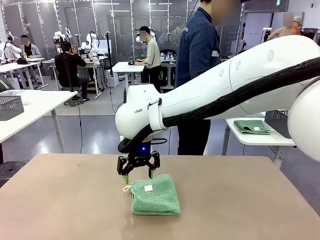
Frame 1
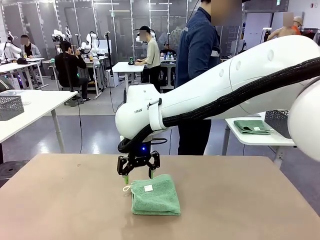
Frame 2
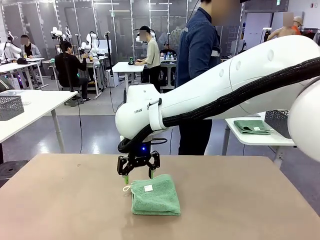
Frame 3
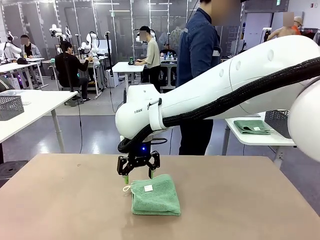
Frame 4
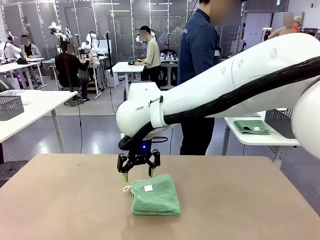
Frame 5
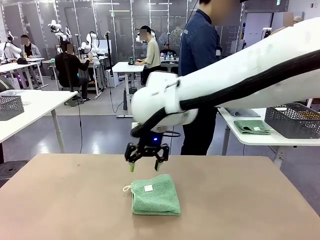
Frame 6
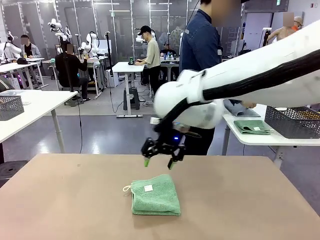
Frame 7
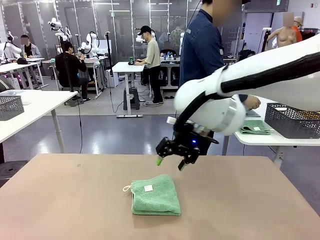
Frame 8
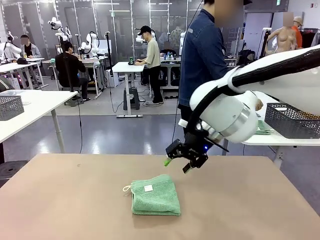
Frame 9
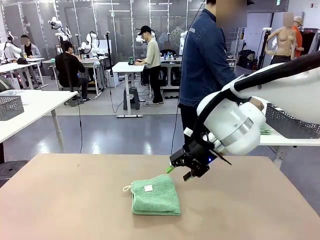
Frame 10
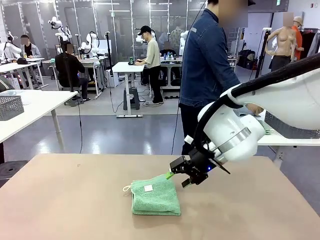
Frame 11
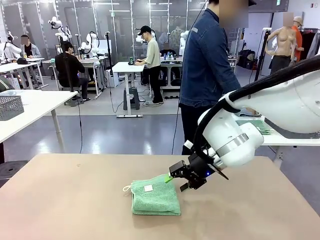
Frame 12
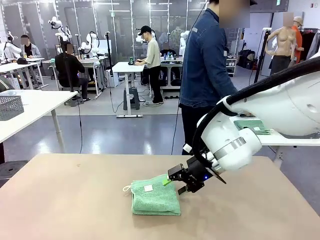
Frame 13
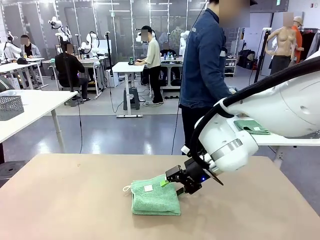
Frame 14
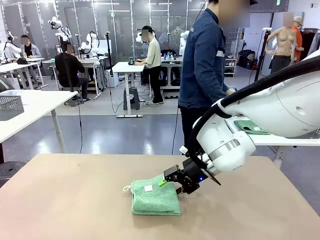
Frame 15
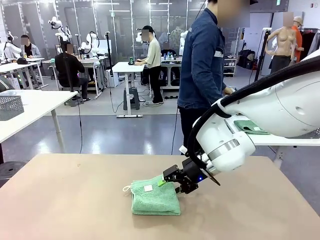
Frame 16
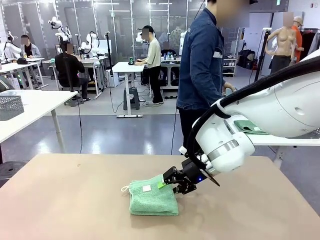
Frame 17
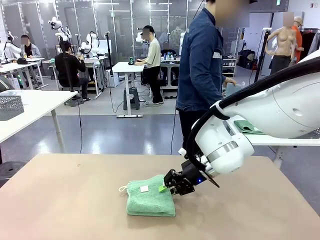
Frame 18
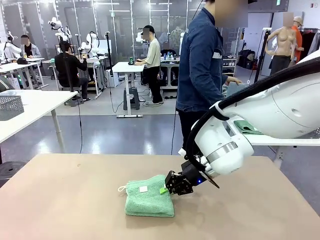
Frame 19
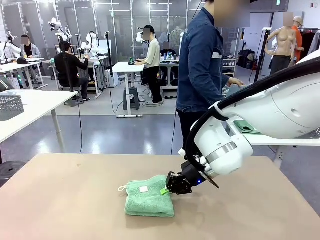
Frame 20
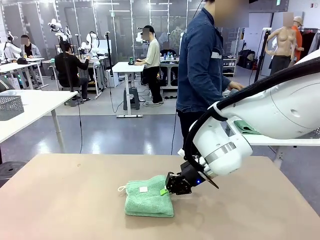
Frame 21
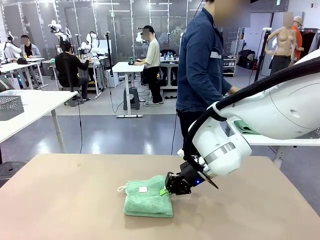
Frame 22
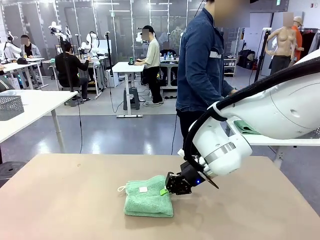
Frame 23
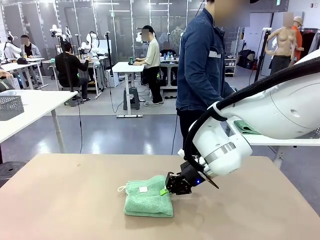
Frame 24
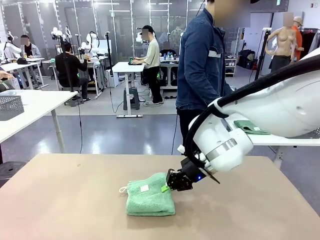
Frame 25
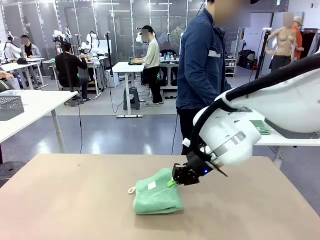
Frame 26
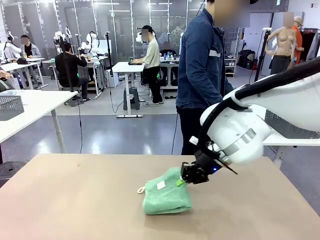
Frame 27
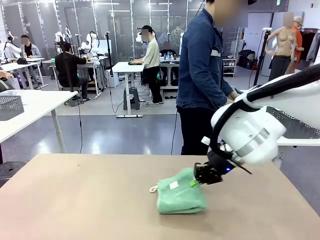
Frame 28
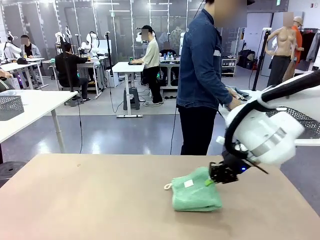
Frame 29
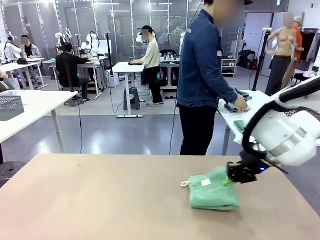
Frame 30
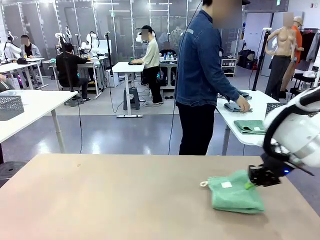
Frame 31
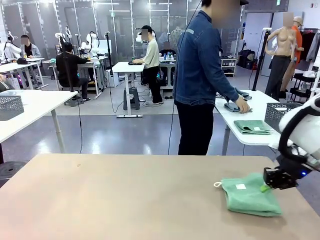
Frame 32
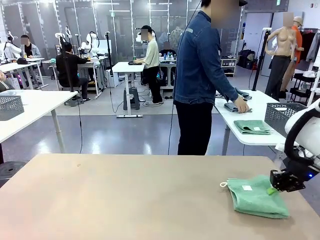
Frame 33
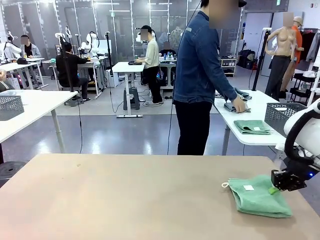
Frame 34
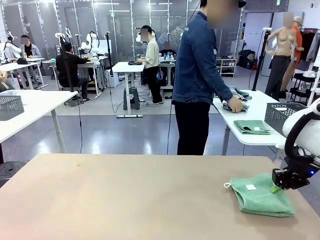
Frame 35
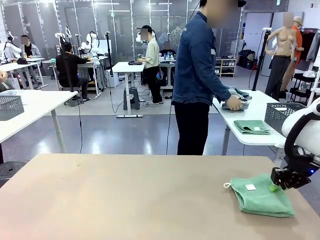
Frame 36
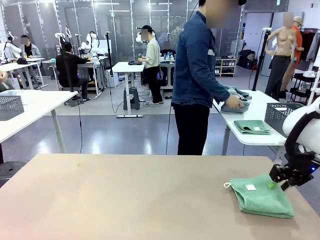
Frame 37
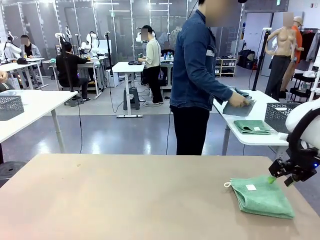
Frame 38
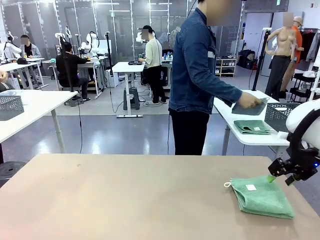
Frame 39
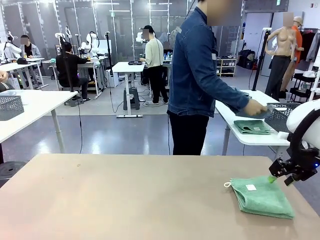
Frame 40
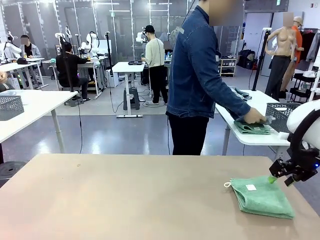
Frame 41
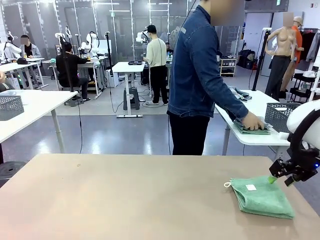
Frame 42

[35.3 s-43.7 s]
Task: Fold the towels and place them in the basket.
Robot: Place the folded Towel with hook on the right side of the table.
Person: Pick up one towel from the left side of the human table, fold it in half twice, and stack it on the right side of the table.

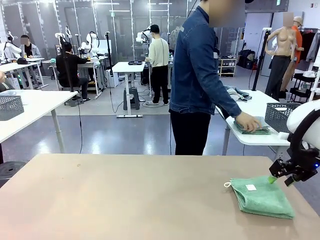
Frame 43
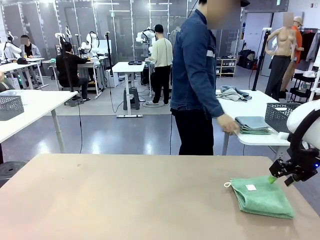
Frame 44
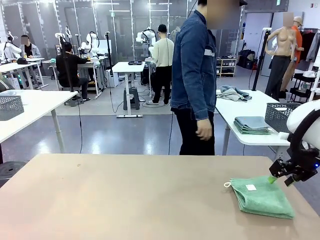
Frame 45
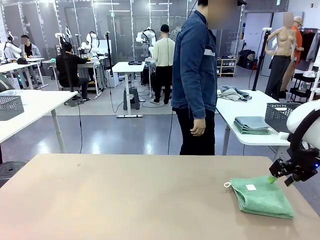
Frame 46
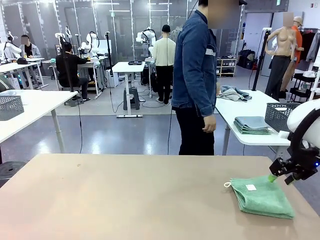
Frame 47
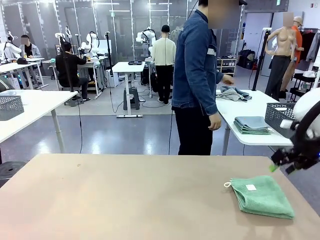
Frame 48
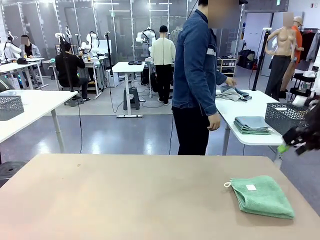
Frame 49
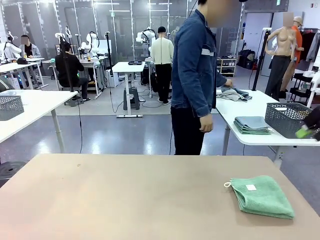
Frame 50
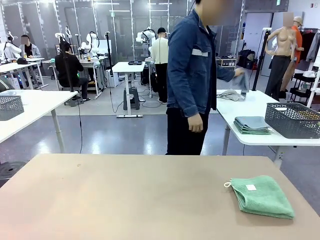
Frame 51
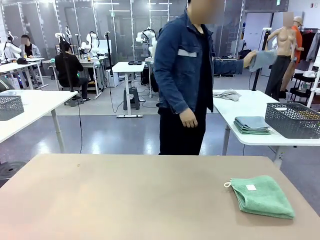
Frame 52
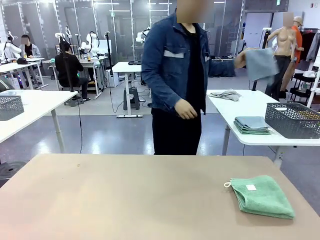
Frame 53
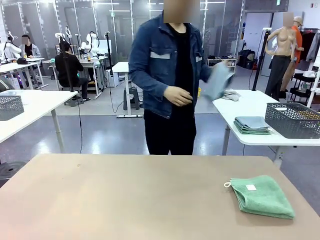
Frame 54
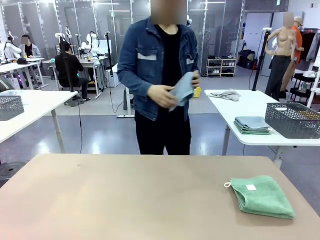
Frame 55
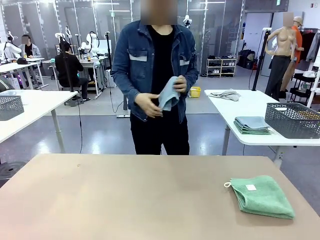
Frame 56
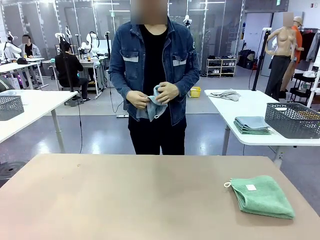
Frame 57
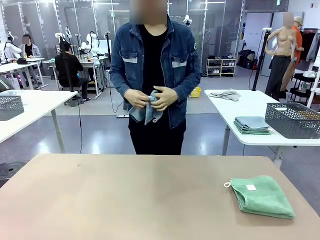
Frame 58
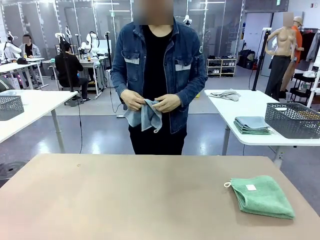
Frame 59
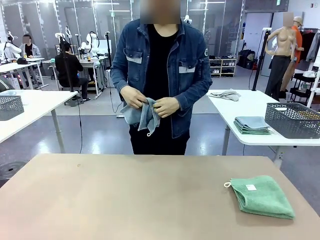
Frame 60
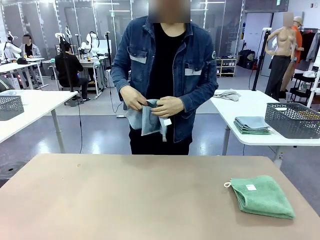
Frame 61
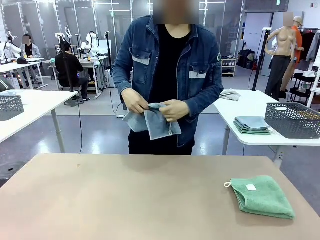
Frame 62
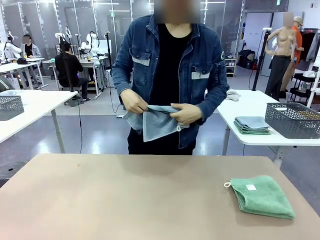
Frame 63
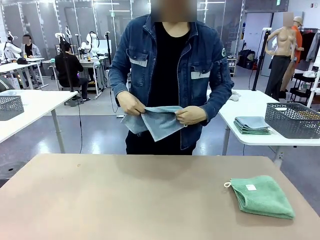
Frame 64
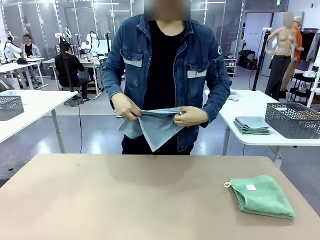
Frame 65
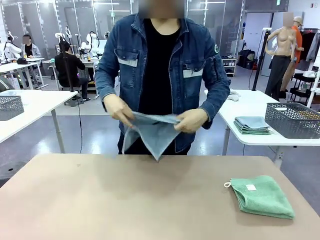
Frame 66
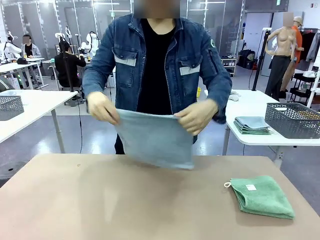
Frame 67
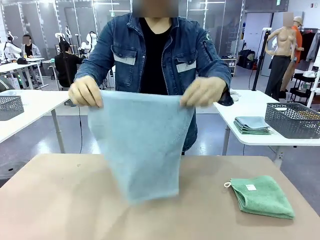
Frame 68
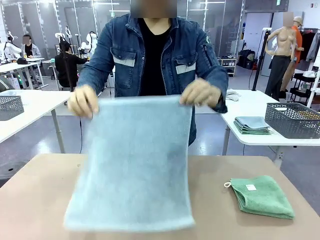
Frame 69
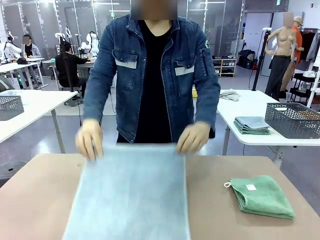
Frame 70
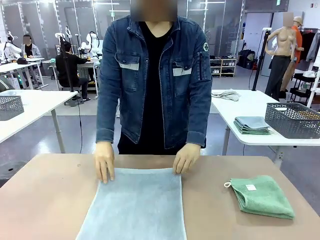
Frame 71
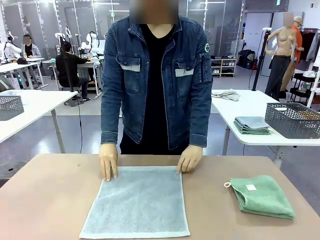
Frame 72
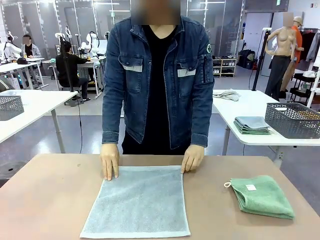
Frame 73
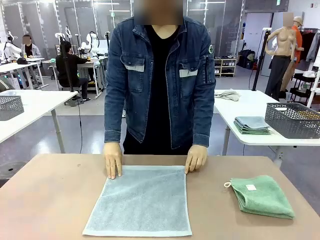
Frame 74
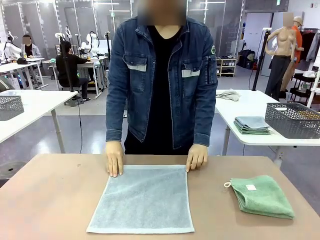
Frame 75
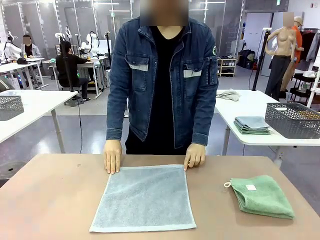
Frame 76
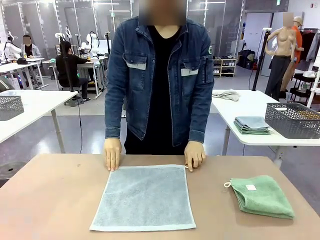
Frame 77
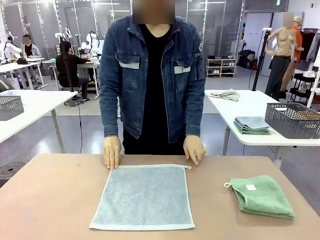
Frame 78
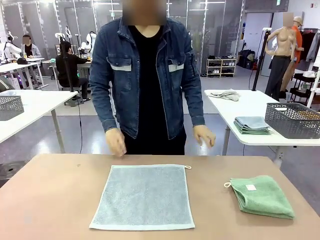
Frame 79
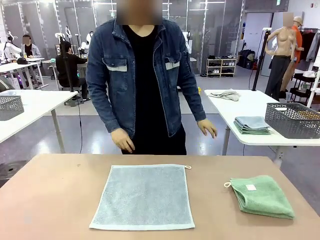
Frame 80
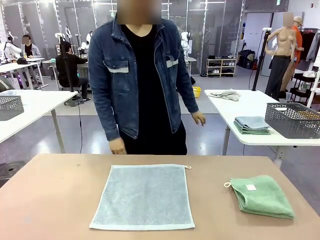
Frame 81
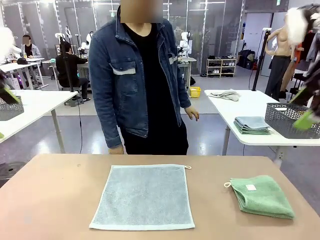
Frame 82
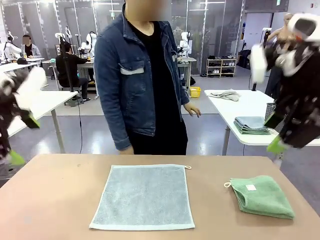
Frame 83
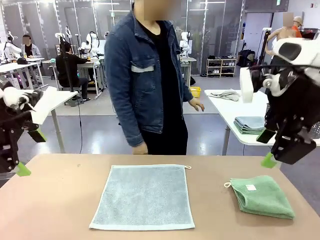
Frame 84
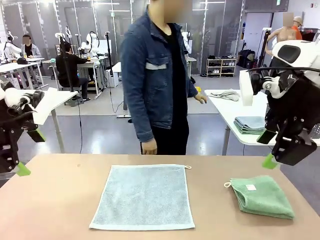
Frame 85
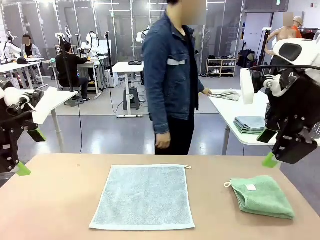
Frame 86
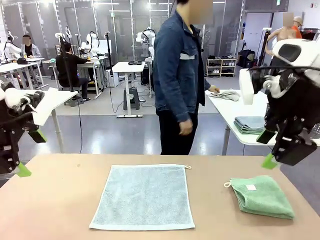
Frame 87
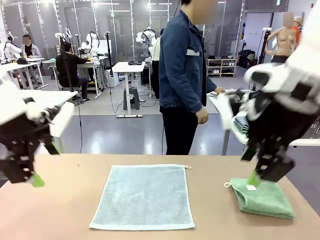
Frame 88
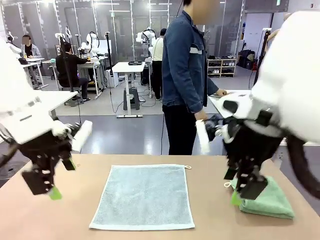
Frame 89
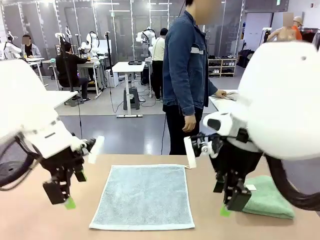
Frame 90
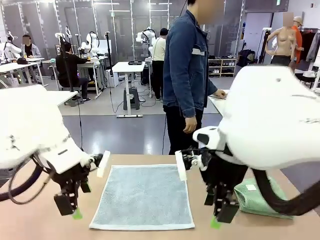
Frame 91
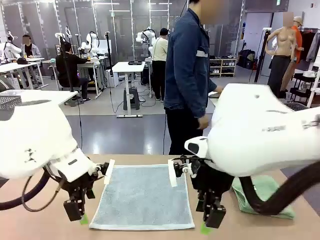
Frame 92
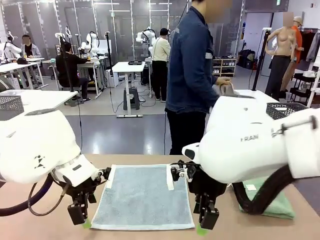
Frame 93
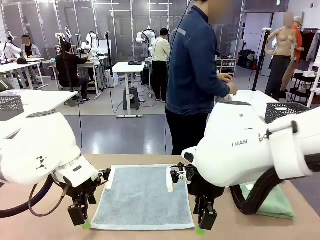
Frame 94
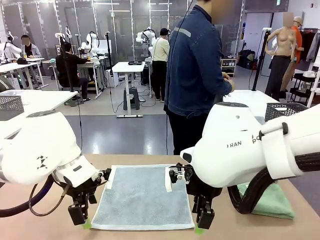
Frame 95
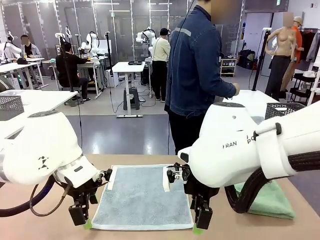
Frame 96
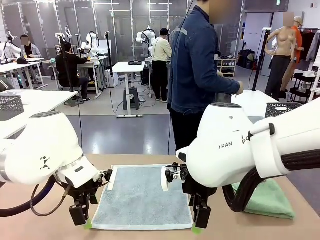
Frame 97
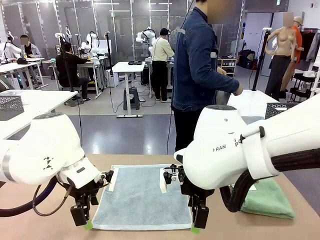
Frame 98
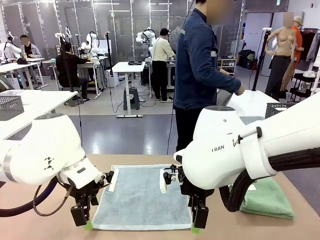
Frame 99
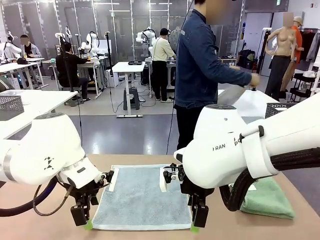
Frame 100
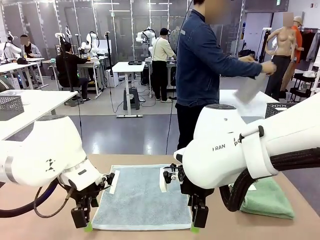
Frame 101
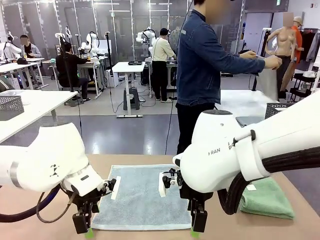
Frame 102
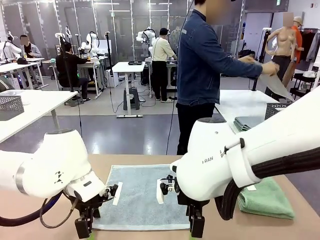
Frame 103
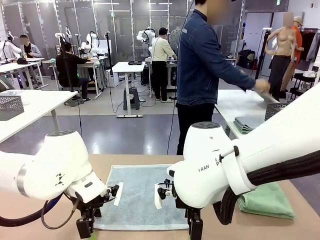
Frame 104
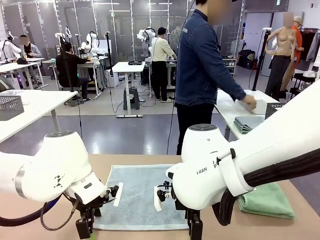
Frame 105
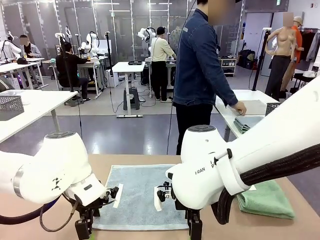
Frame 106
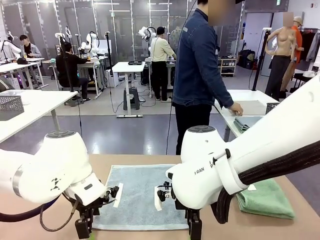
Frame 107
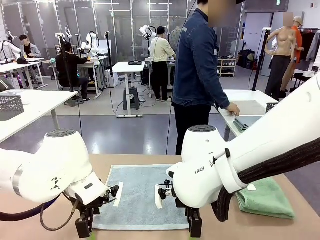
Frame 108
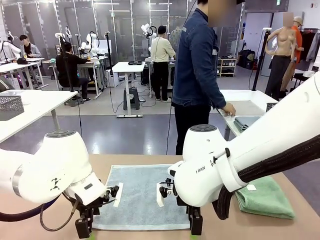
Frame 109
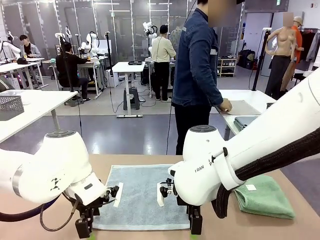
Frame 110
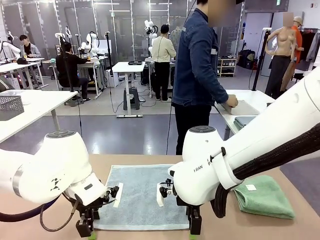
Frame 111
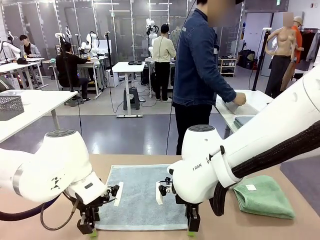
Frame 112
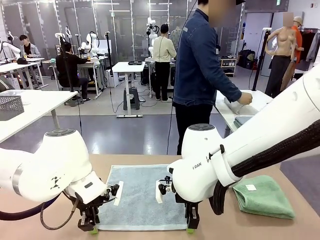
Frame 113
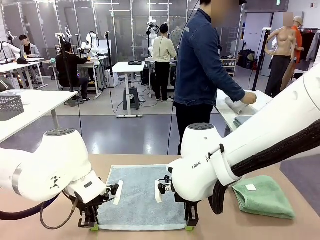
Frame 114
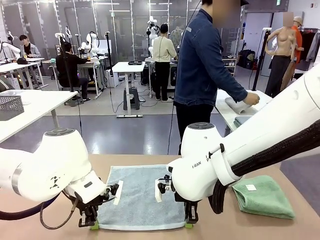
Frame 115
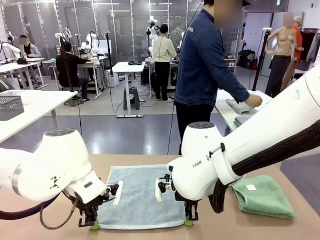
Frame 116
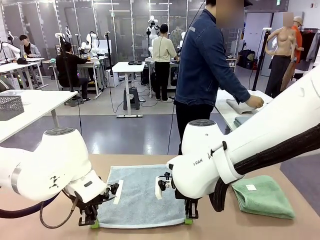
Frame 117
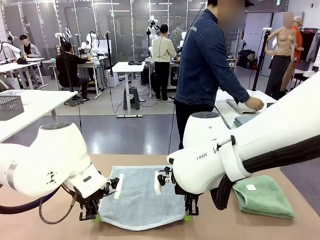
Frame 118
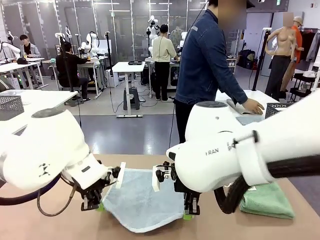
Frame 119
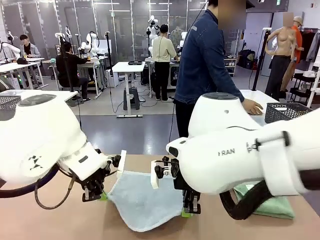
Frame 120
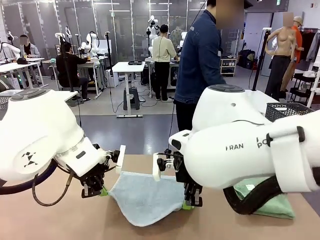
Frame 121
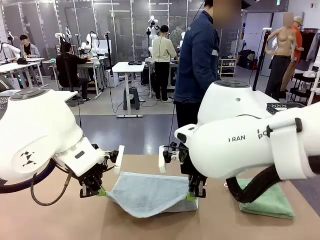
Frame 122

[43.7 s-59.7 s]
Robot: When a person lays out a Towel with hook on the table, fold it in half twice.
Person: Pick up one towel from the left side of the human table and spread it out at the center of the robot table. Pick up one towel from the left side of the human table, fold it in half twice, and stack it on the right side of the table.
